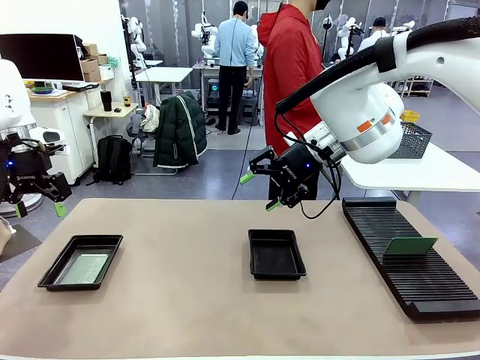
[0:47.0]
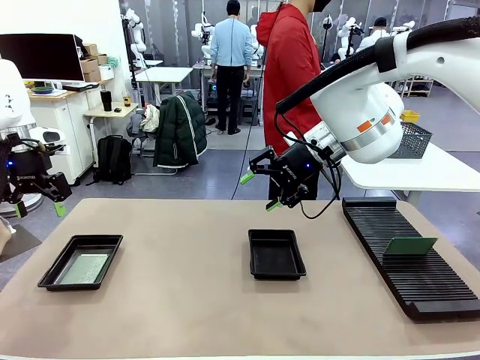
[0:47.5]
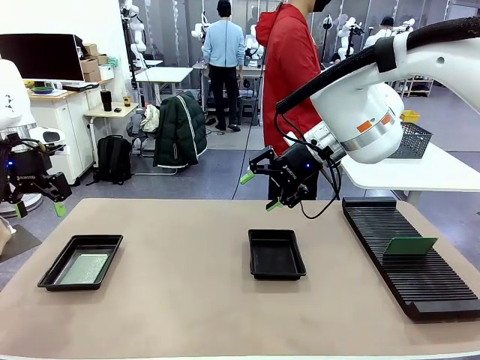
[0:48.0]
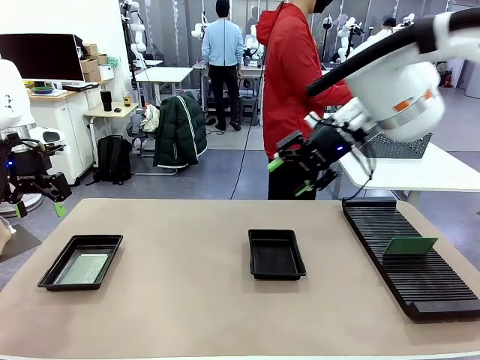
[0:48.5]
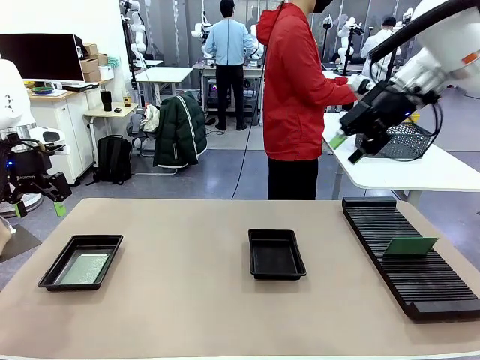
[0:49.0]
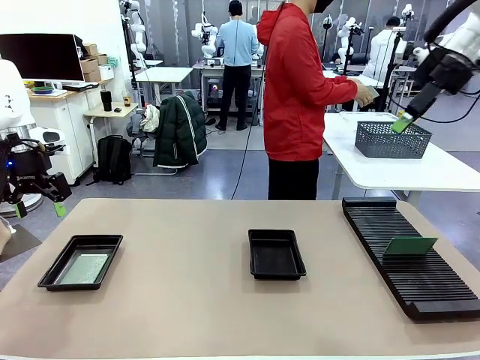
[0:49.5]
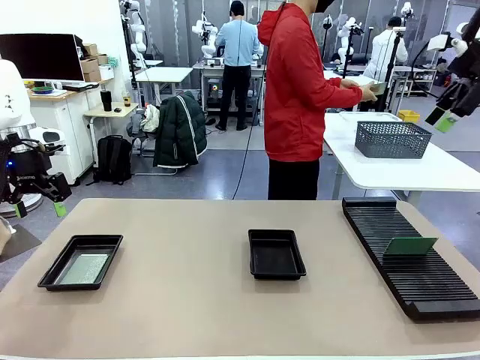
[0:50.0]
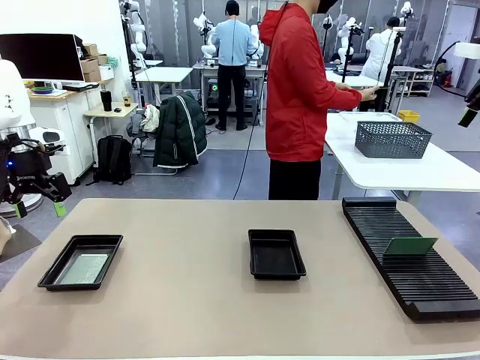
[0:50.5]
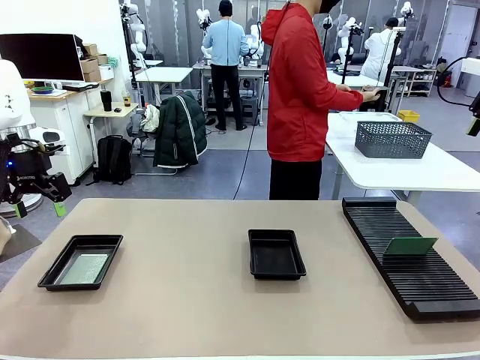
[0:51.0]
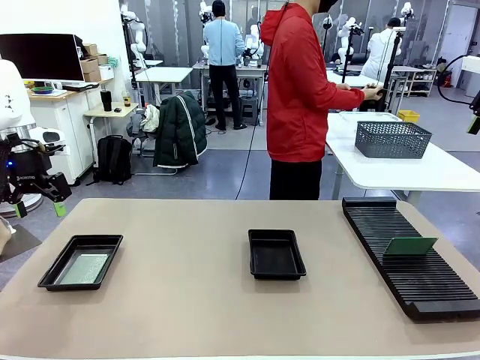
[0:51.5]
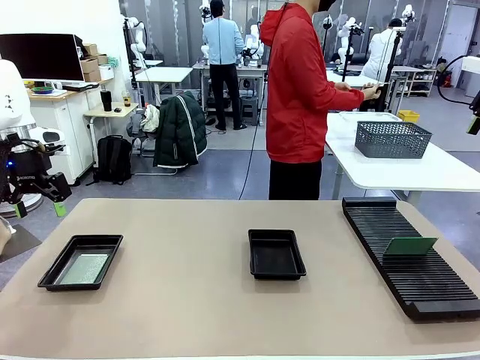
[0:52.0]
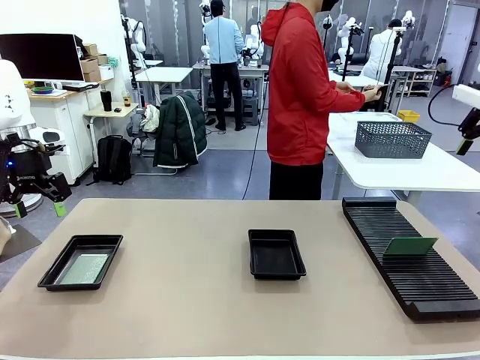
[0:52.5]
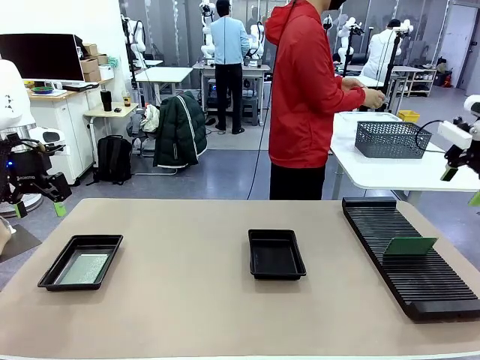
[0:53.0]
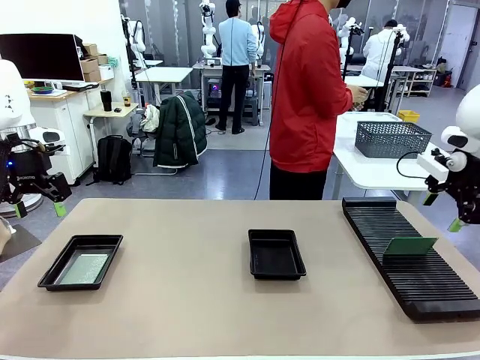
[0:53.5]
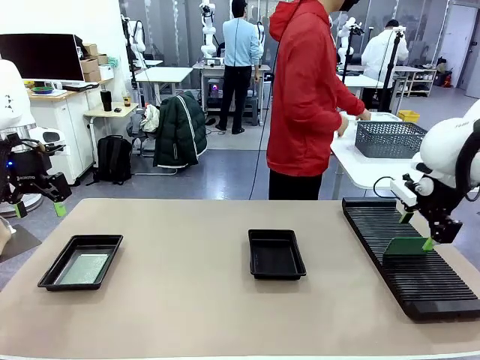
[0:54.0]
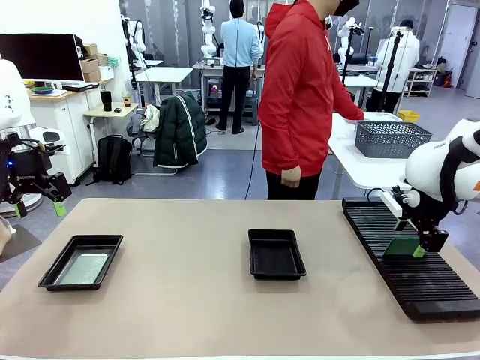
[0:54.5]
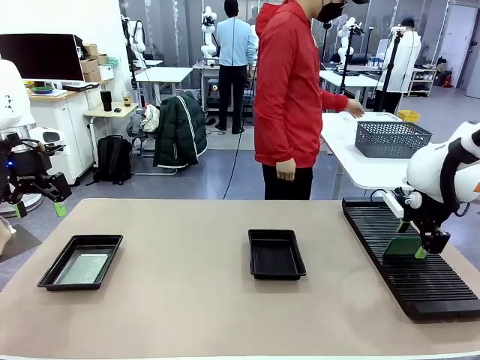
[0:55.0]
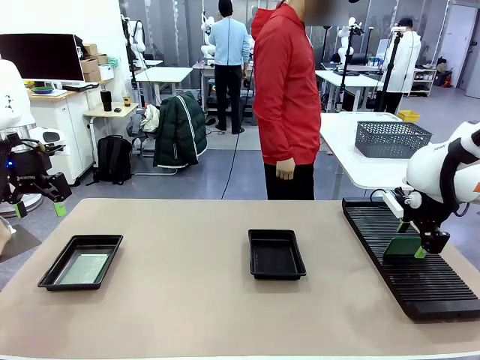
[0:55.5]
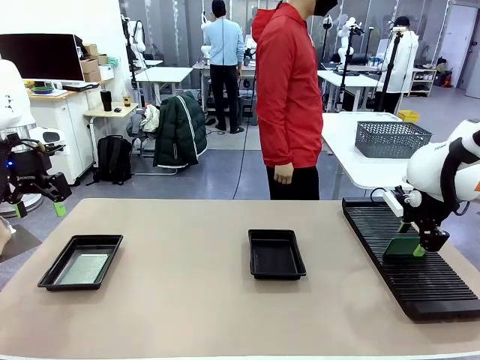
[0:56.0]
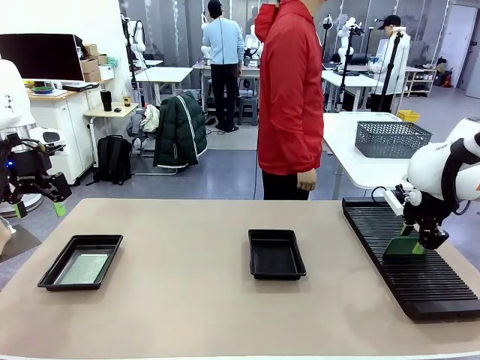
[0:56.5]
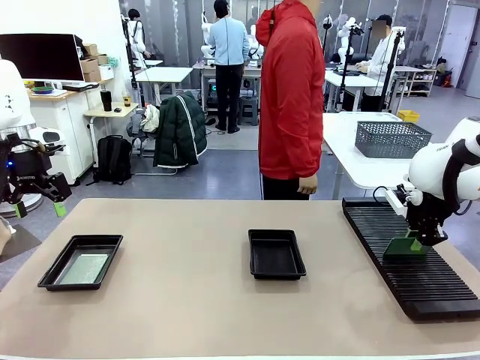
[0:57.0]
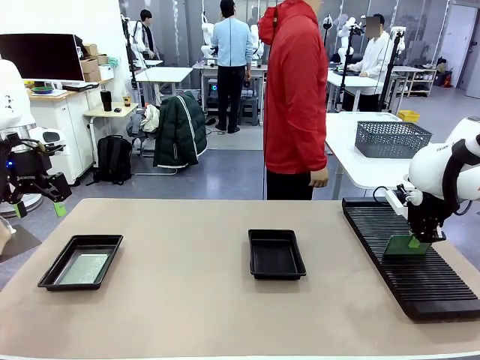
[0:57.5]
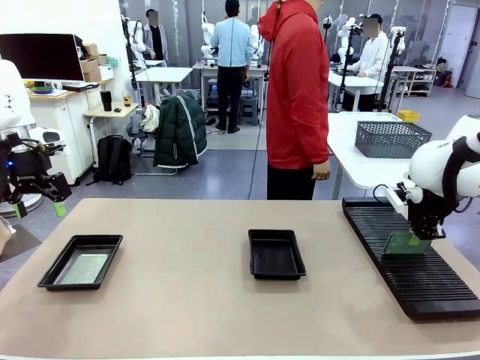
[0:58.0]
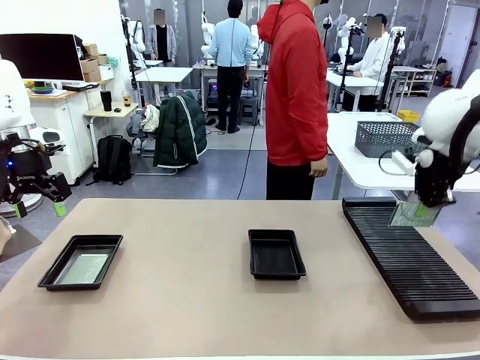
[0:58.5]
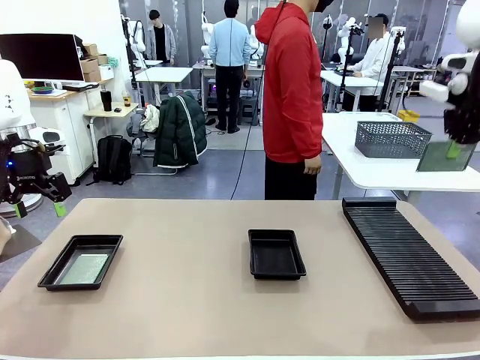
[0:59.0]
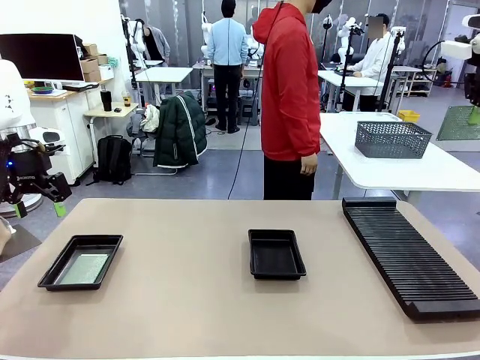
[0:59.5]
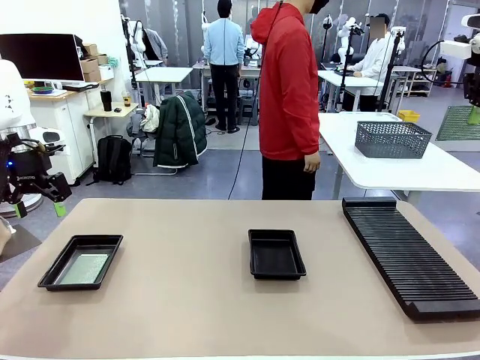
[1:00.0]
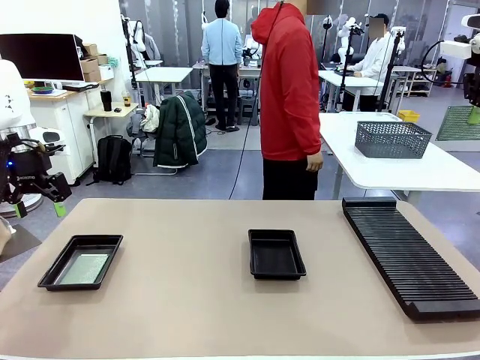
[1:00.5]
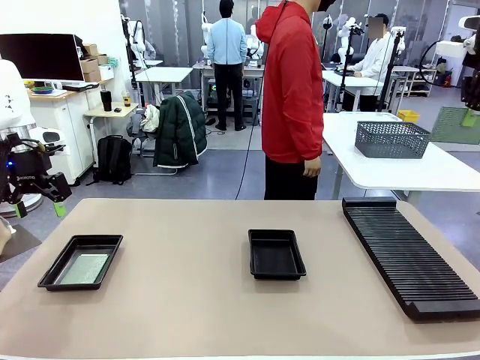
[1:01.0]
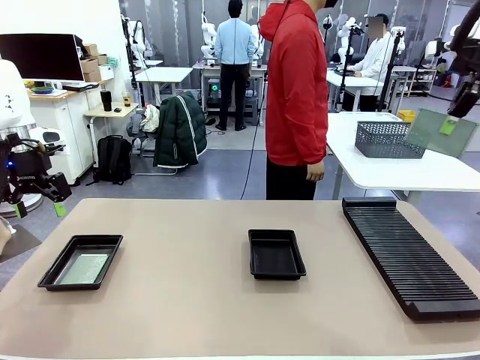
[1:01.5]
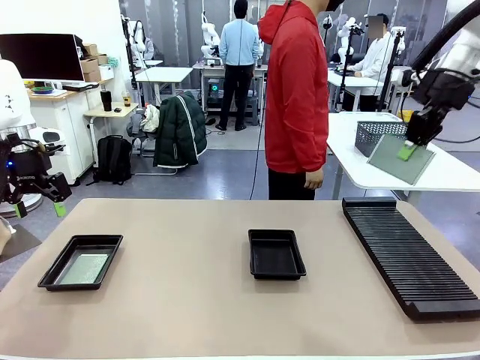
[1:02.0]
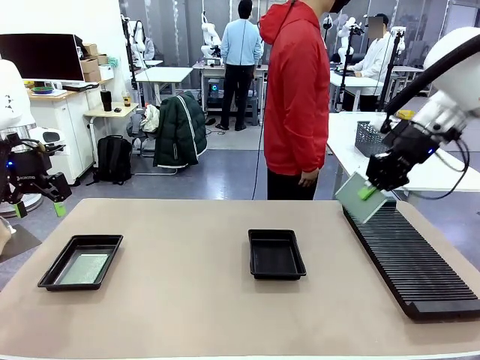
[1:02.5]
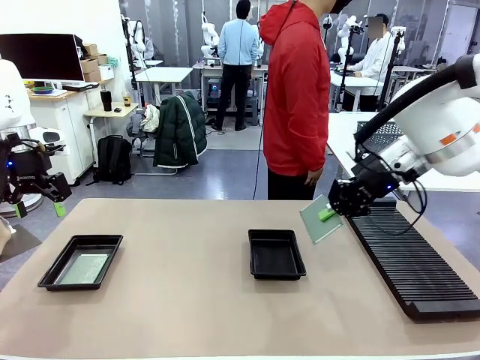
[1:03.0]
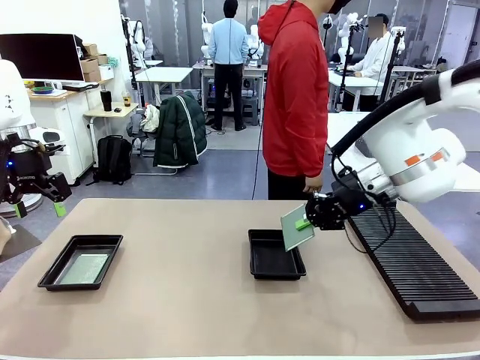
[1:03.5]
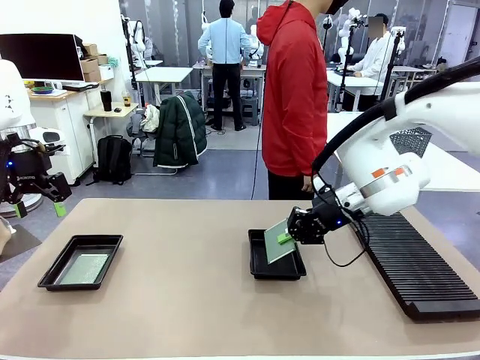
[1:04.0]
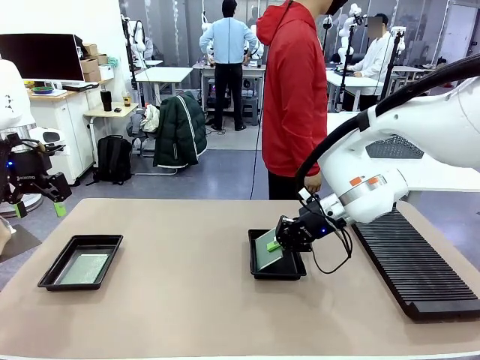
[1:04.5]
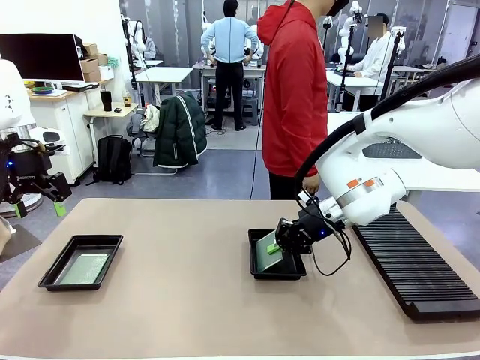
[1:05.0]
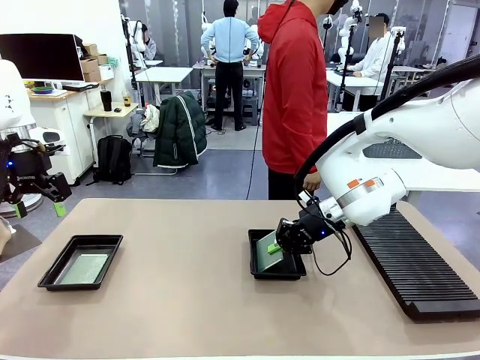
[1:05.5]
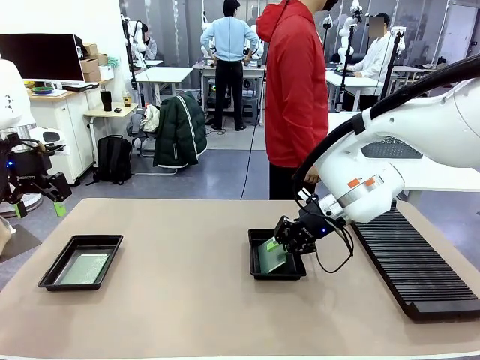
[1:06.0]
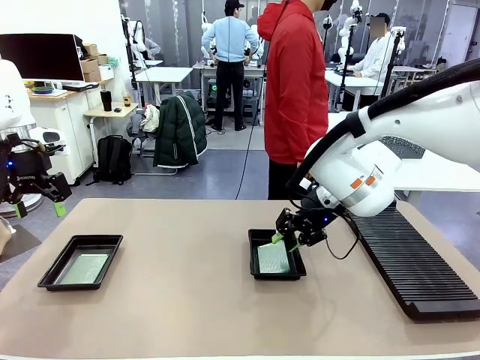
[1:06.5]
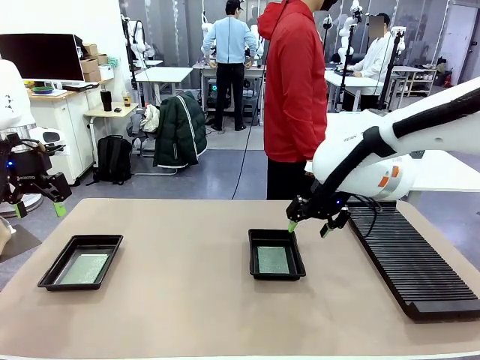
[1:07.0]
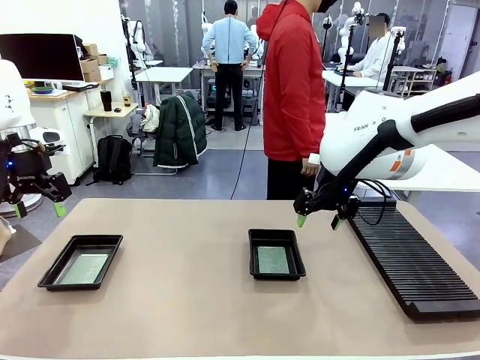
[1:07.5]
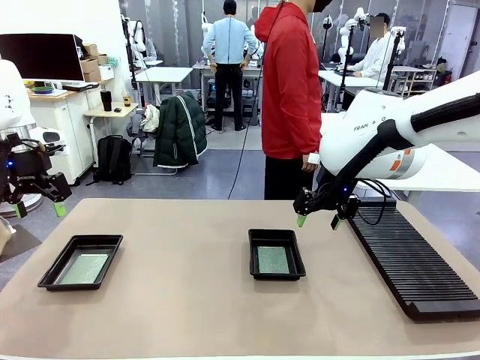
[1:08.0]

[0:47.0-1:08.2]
Task: Inspect and transfer BCBs to ESD trays.
Robot: Pick up the Blank PCB from the PCB Rack and place it in the right ESD tray.

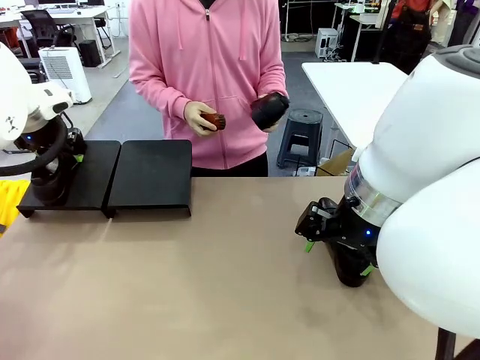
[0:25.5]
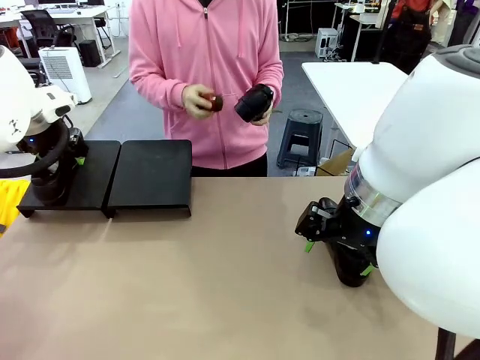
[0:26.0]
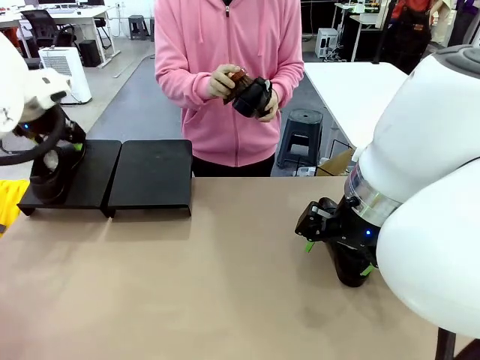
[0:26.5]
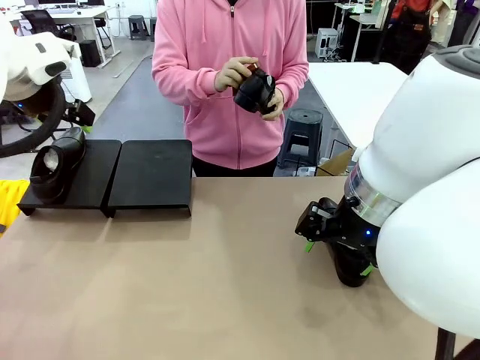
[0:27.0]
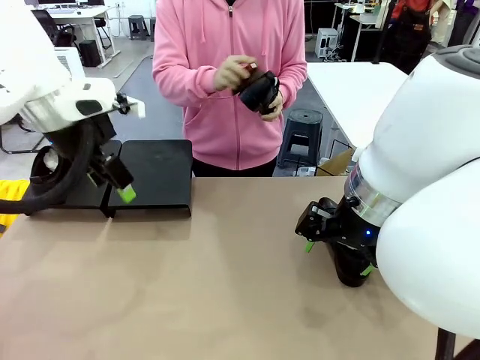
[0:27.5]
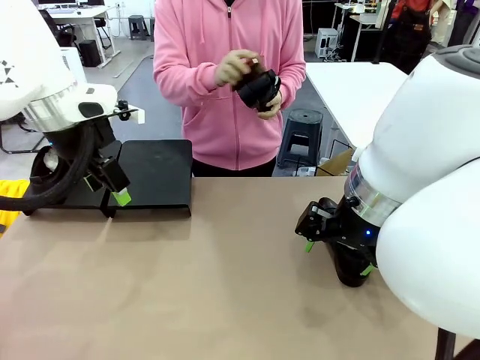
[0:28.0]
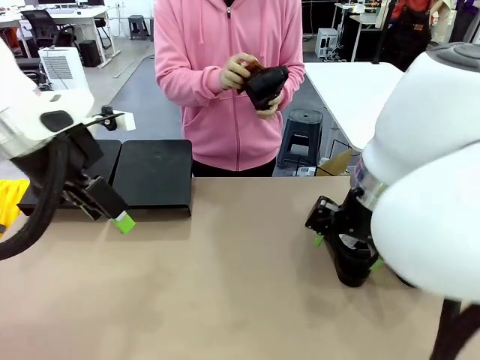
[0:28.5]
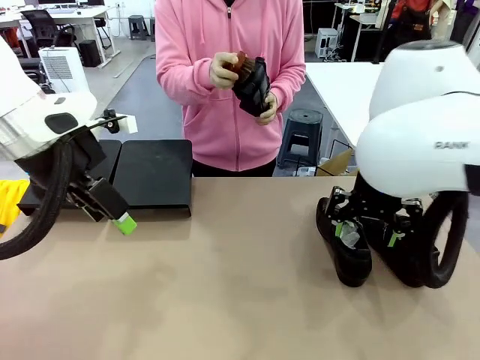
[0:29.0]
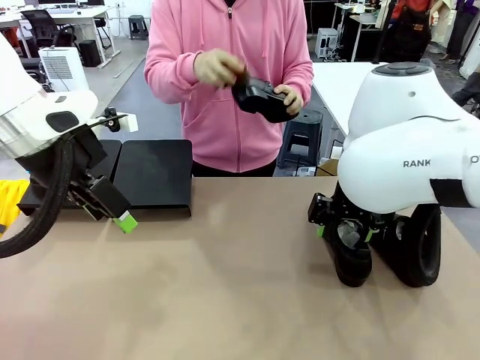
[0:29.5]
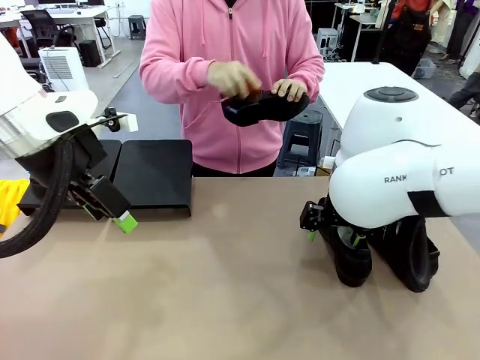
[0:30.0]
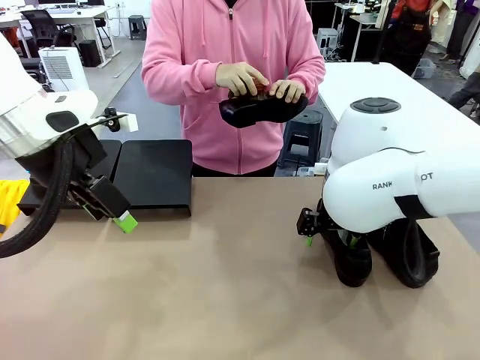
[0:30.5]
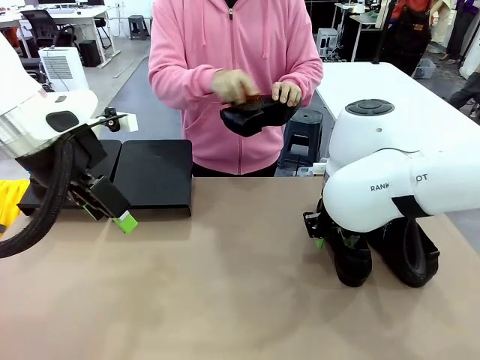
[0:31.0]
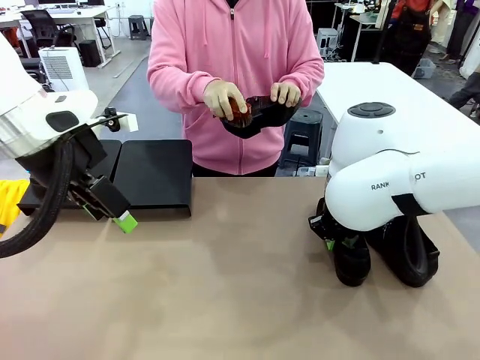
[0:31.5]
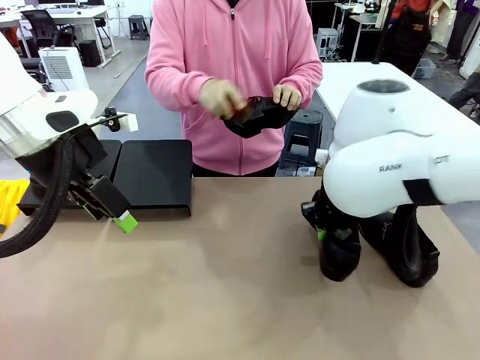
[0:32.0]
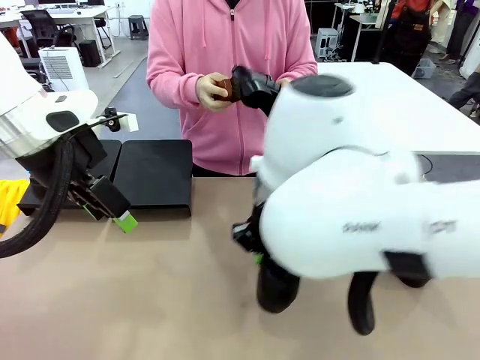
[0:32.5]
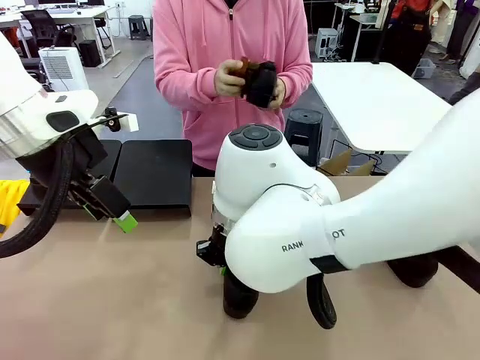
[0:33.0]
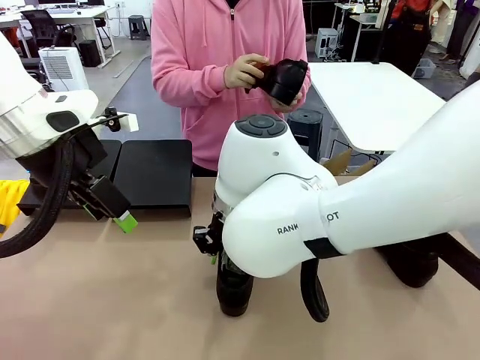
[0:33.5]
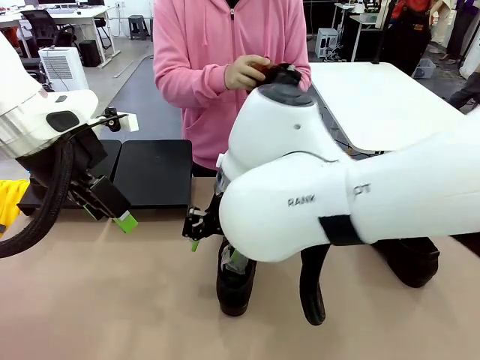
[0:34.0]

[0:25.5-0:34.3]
Task: Organize the shoes by placing them on the stand.
Robot: Pick up one Shoe and place it in the middle of the table.
Person: Clean the Shoe with the Shoe Brush.
